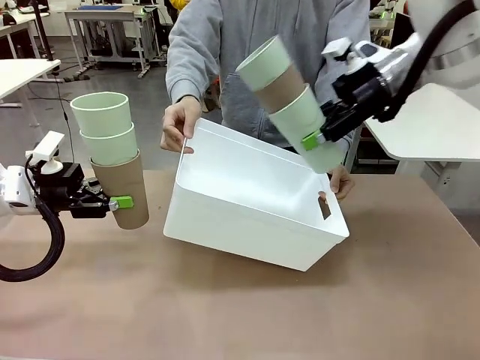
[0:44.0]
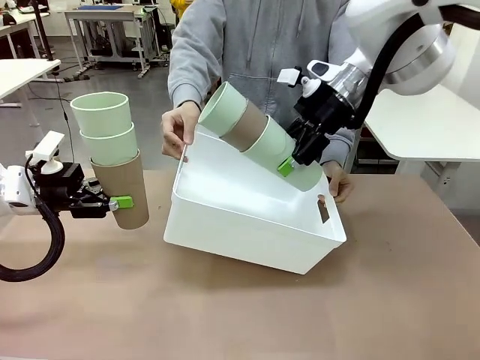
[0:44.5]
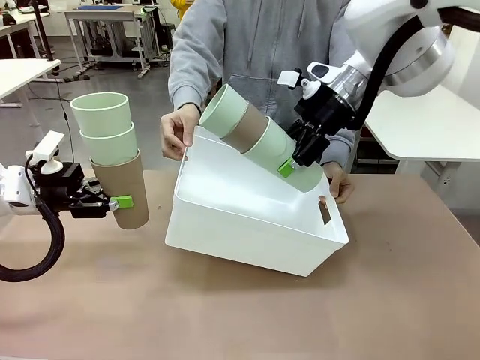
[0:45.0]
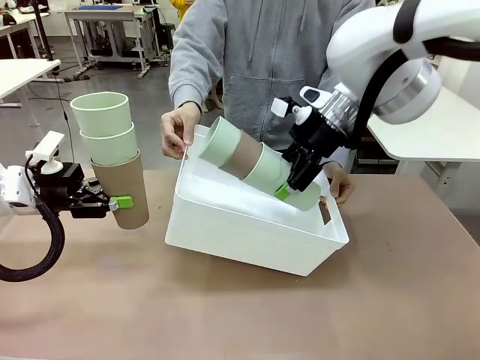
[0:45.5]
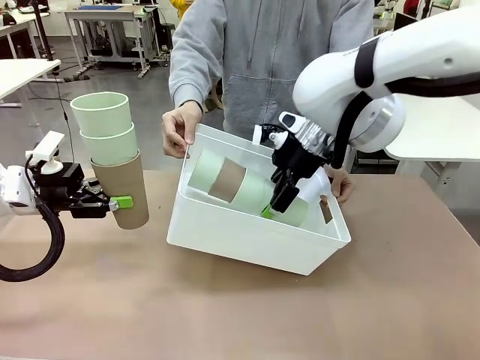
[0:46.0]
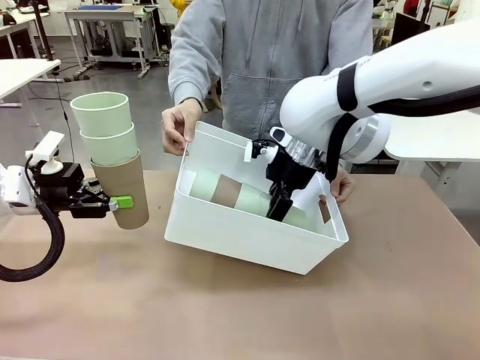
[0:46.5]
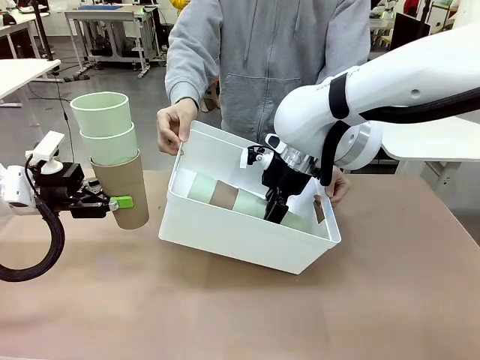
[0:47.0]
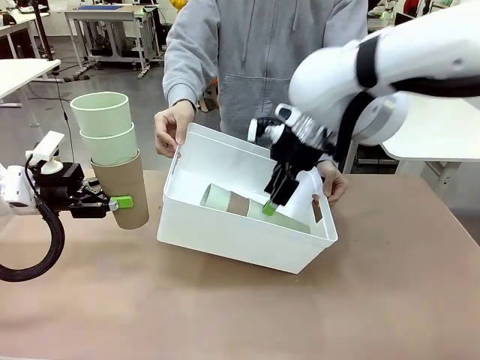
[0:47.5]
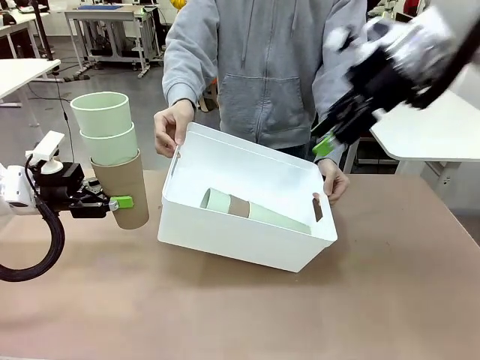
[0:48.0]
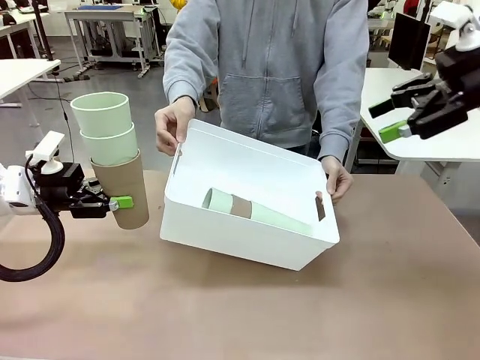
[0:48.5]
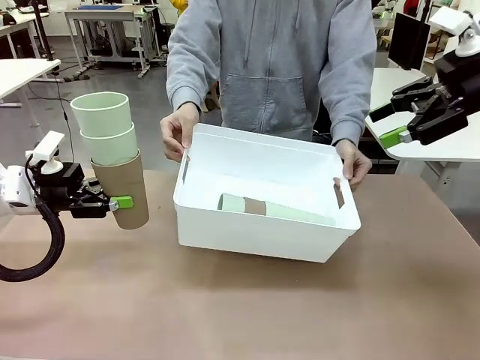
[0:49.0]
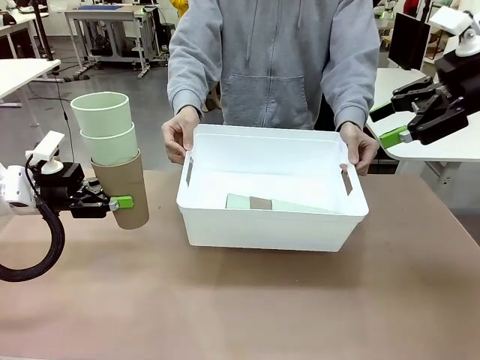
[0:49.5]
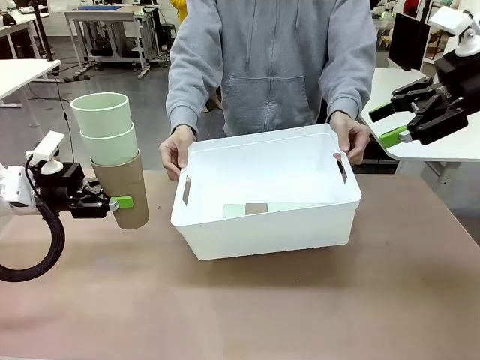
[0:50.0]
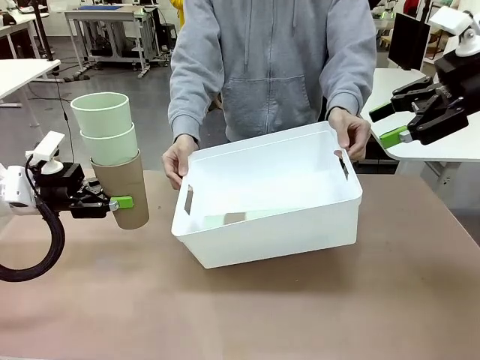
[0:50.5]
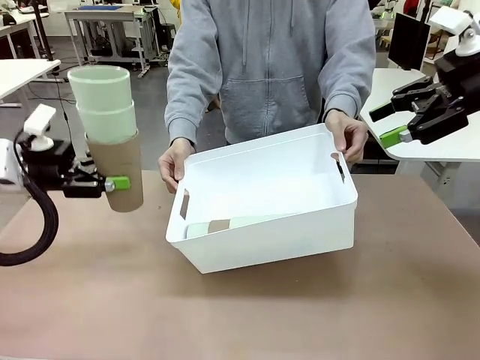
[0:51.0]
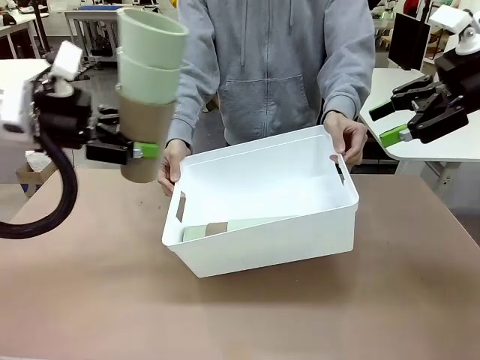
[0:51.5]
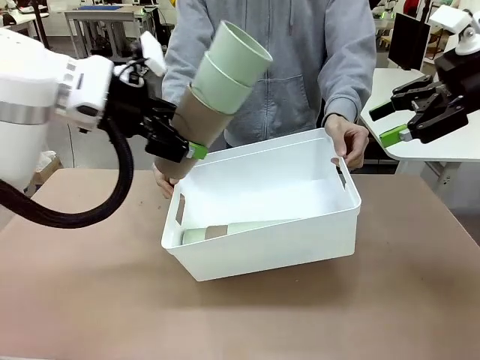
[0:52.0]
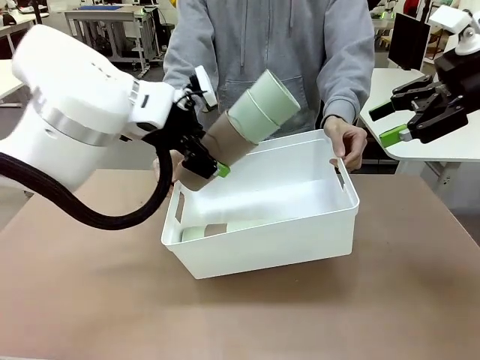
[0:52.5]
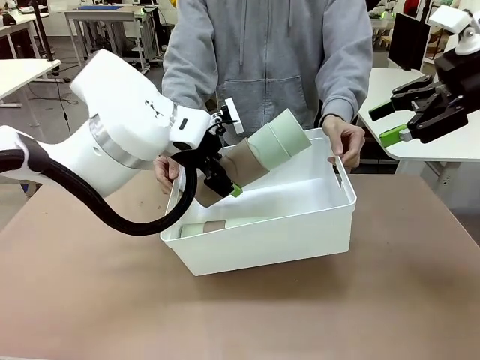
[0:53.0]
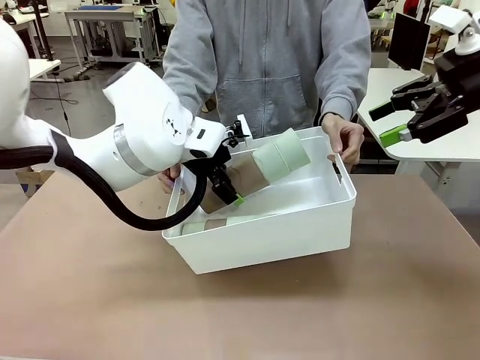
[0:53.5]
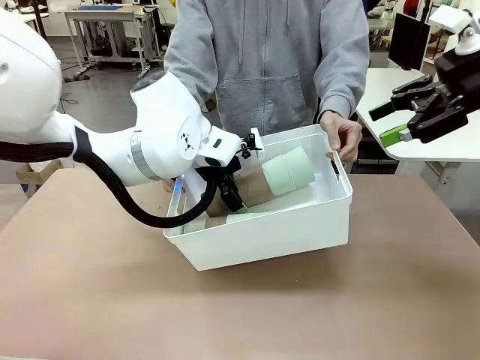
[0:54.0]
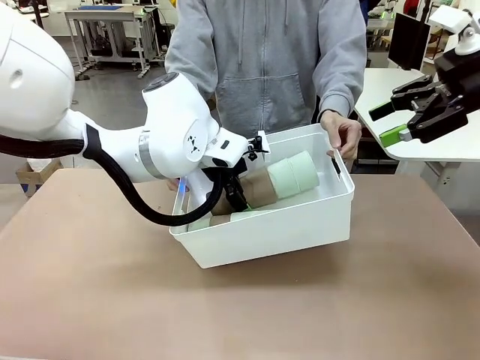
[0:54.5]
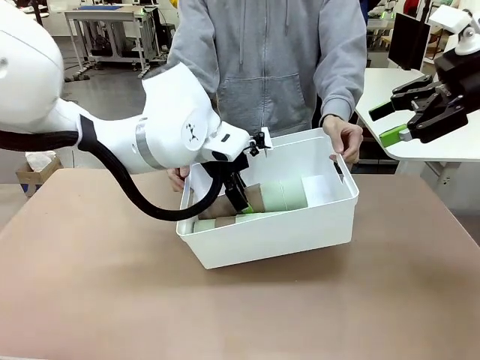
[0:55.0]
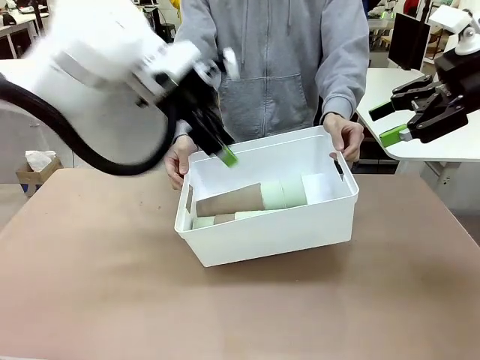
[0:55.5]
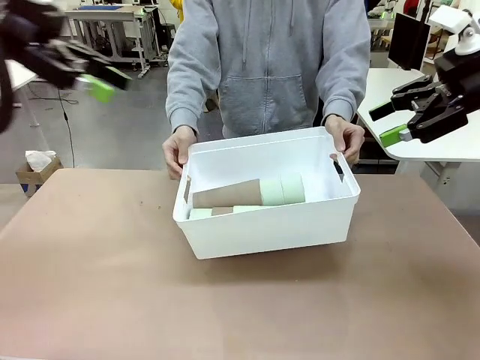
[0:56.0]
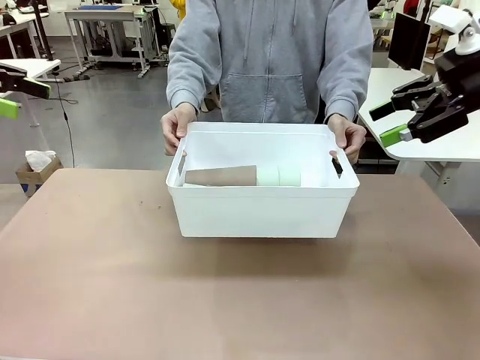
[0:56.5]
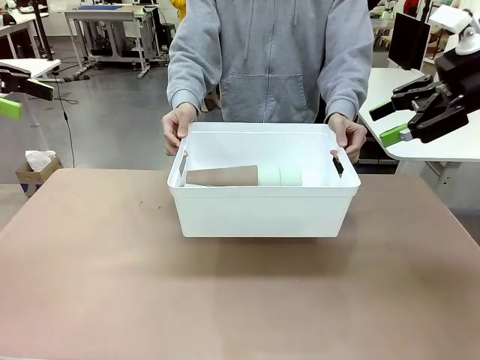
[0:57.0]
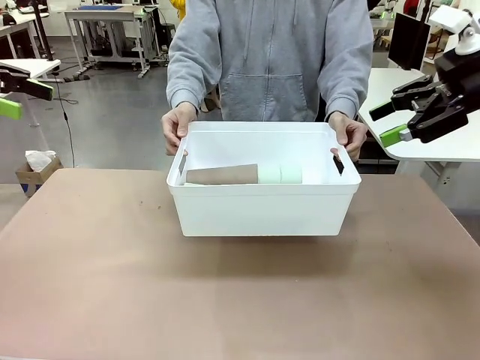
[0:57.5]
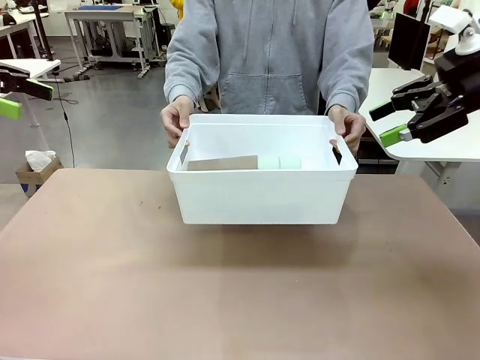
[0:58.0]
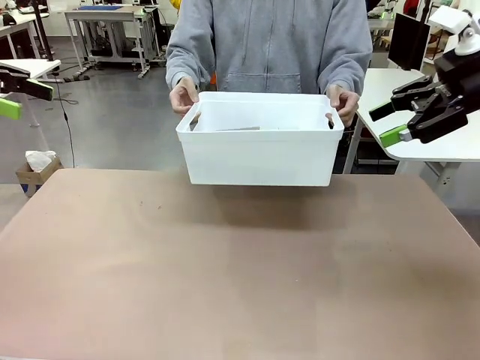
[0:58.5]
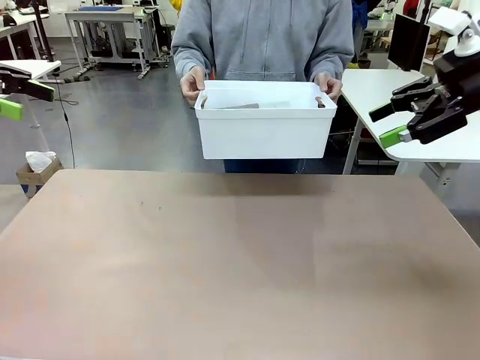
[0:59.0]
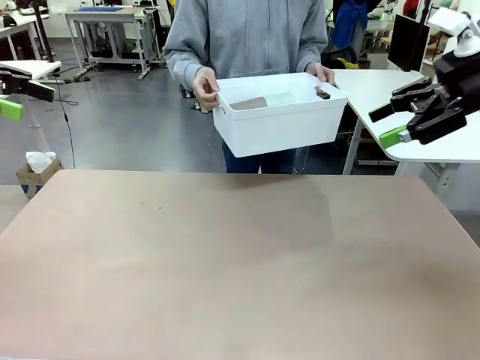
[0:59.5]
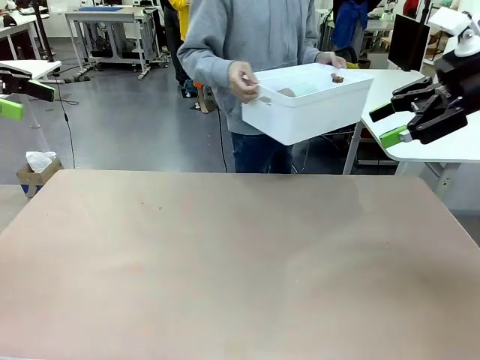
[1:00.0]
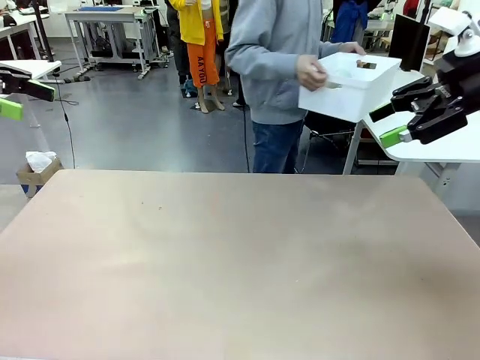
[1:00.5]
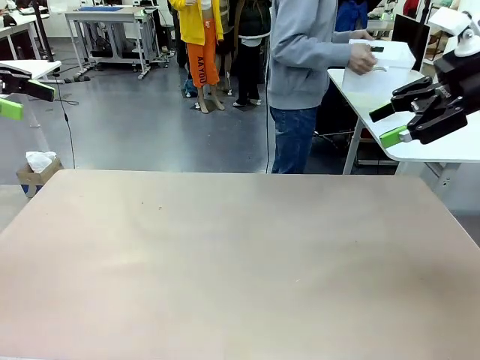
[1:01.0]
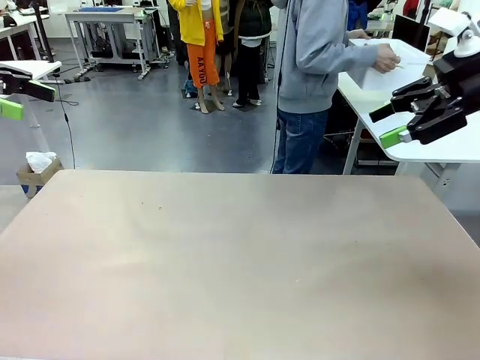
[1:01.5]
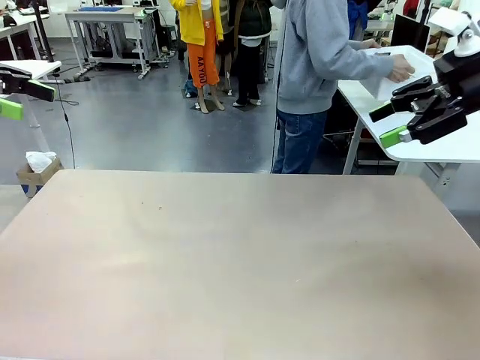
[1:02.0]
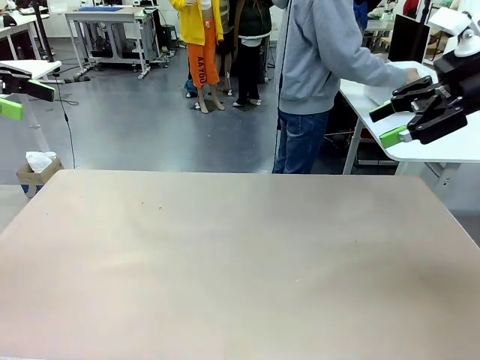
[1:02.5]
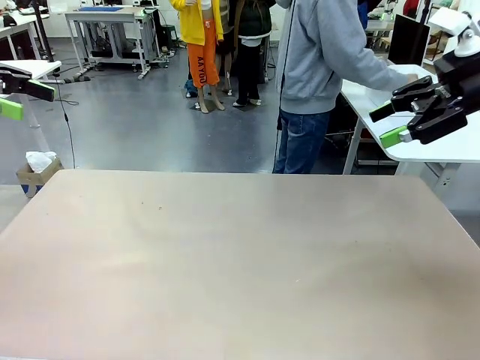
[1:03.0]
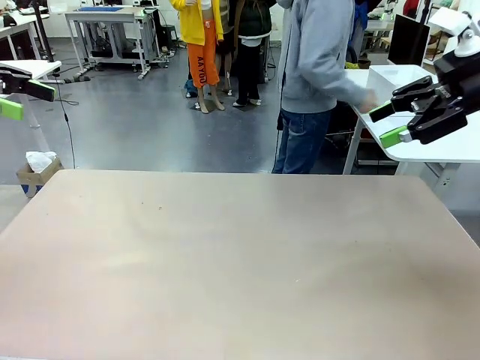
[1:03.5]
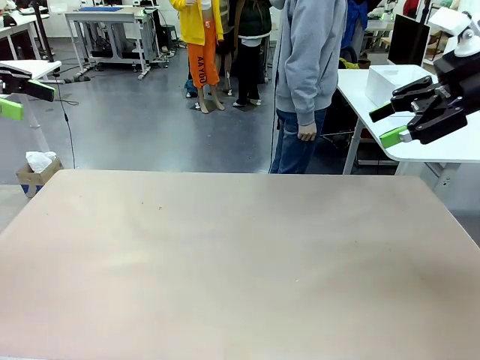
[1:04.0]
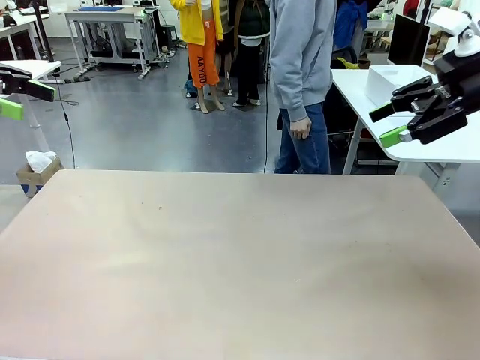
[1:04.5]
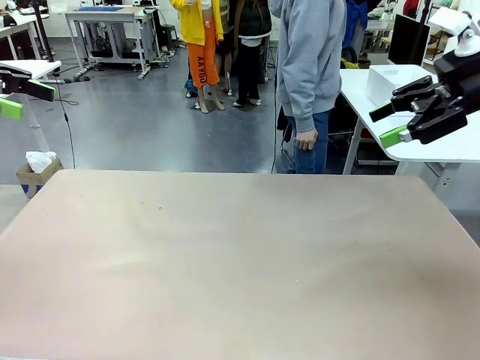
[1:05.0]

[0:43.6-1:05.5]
Task: Stack the cups and store them in the basket.
Robot: Place the stack of Reusable plastic cups into the Pantry Basket.
Person: Place the basket containing the cups in the middle of the Human Table.
